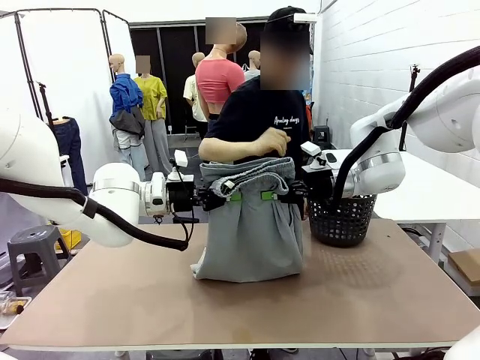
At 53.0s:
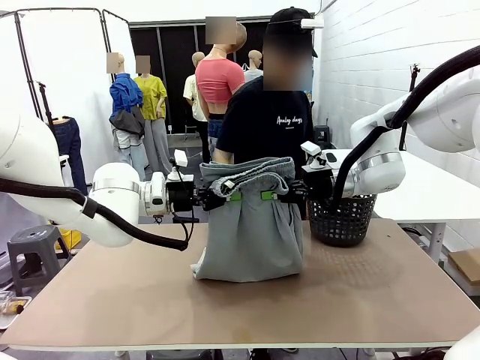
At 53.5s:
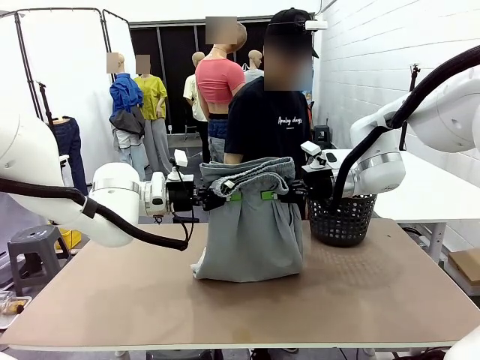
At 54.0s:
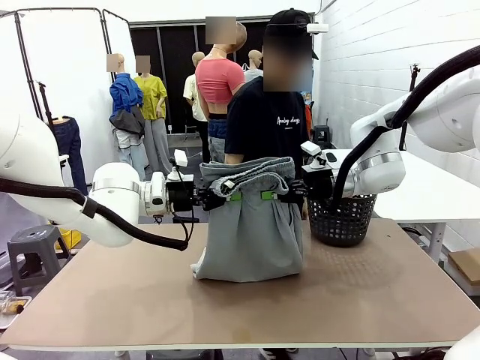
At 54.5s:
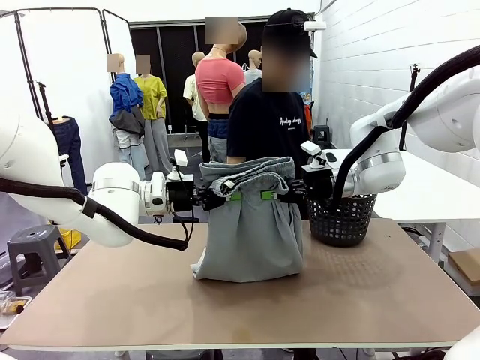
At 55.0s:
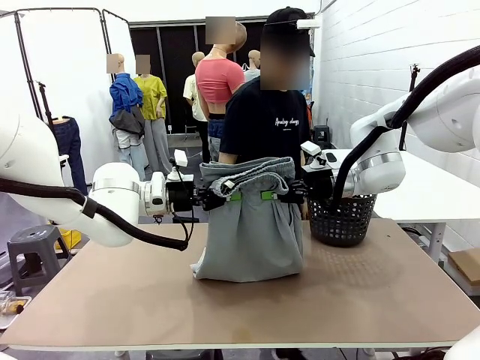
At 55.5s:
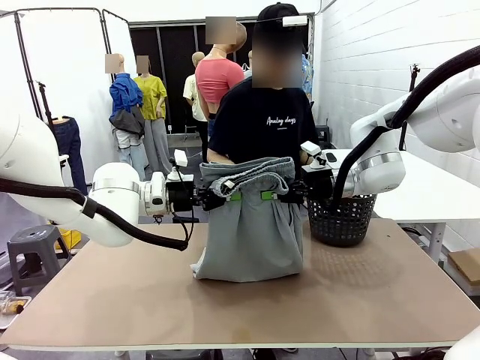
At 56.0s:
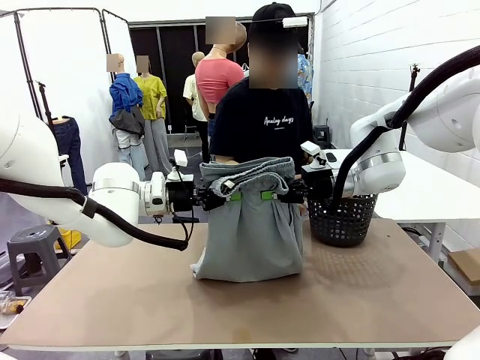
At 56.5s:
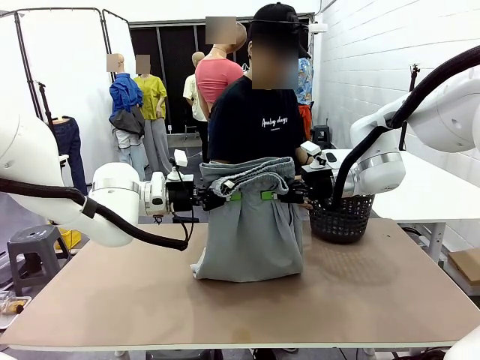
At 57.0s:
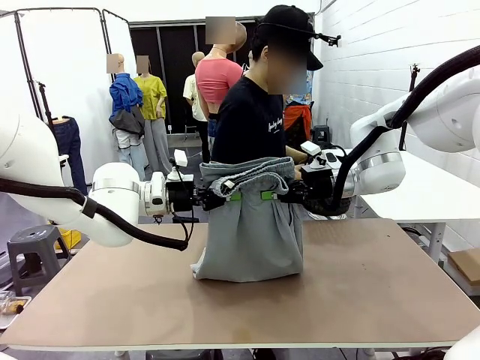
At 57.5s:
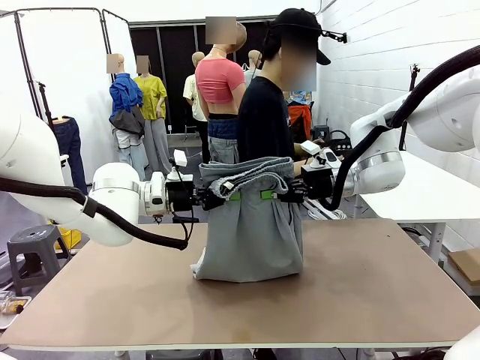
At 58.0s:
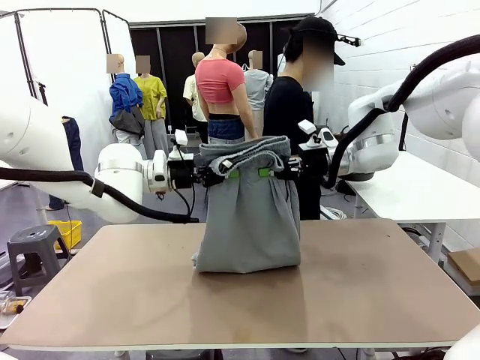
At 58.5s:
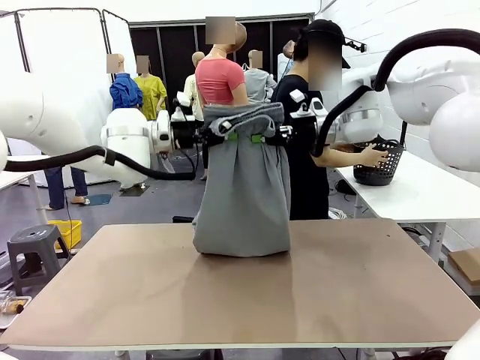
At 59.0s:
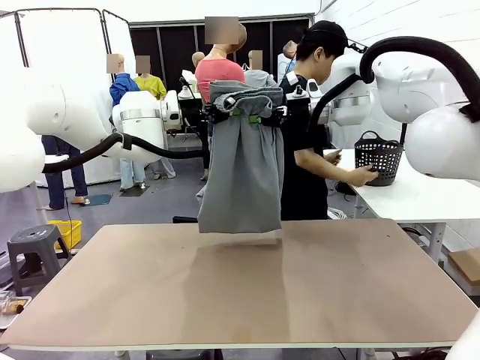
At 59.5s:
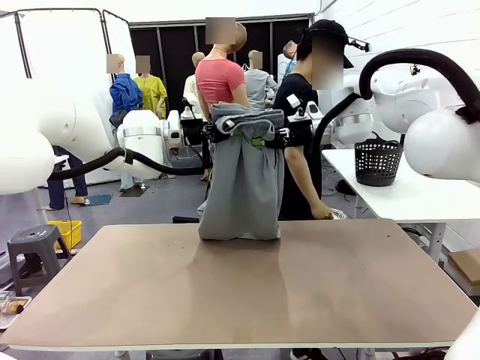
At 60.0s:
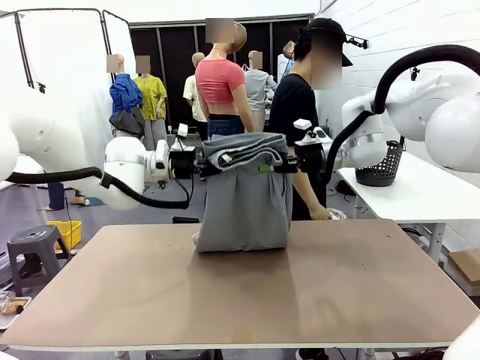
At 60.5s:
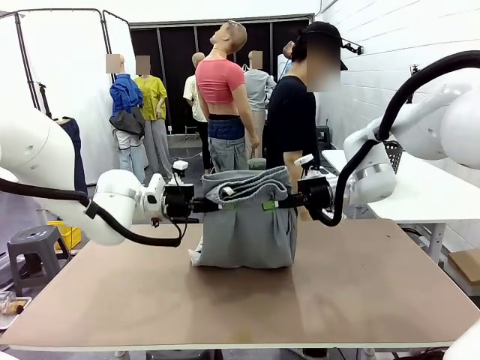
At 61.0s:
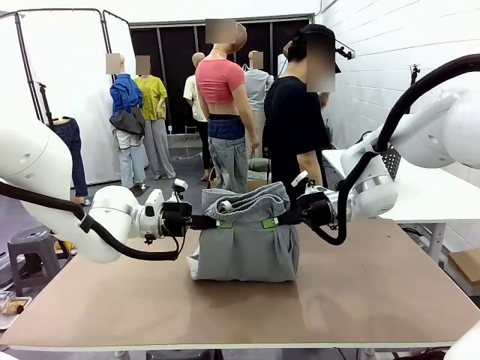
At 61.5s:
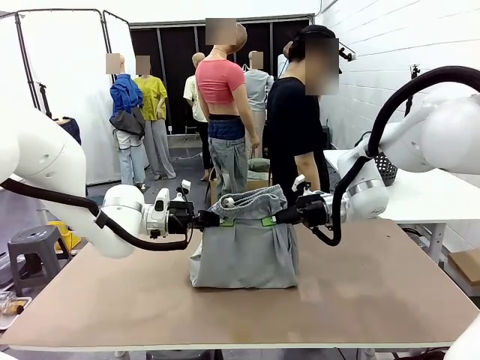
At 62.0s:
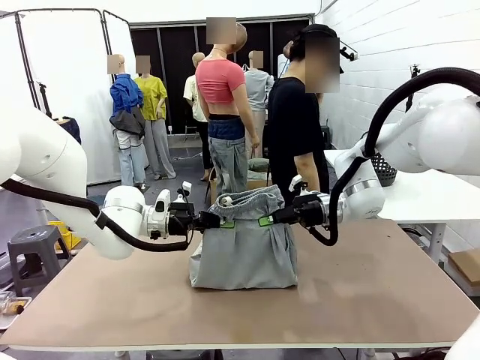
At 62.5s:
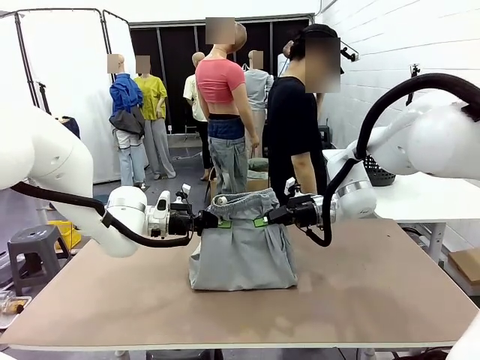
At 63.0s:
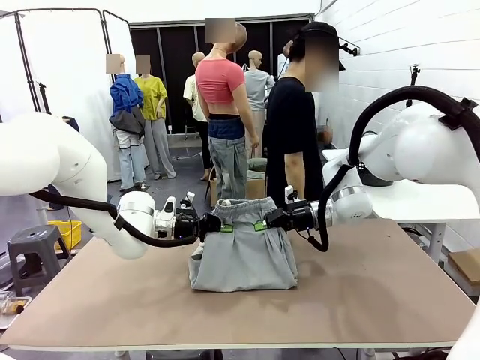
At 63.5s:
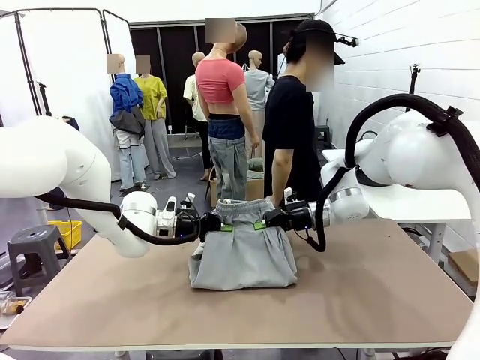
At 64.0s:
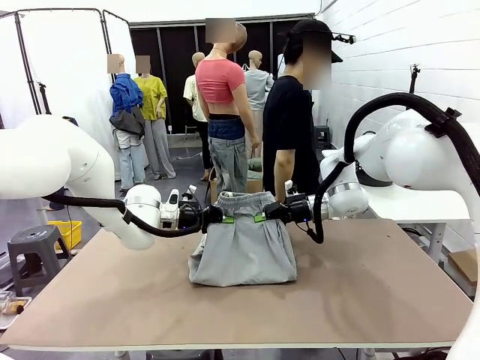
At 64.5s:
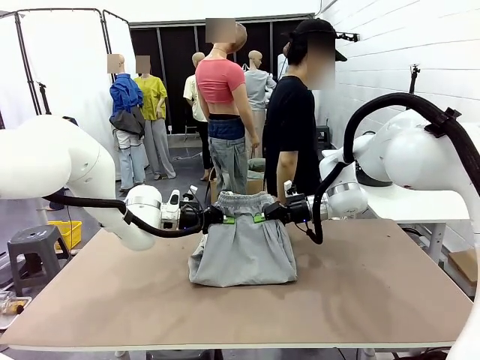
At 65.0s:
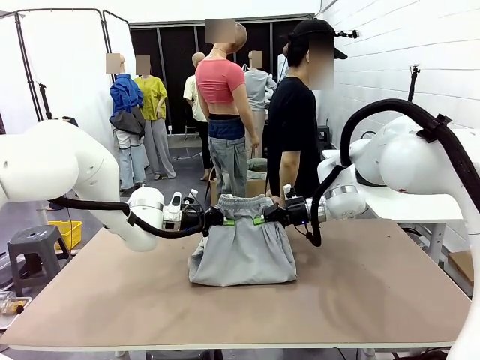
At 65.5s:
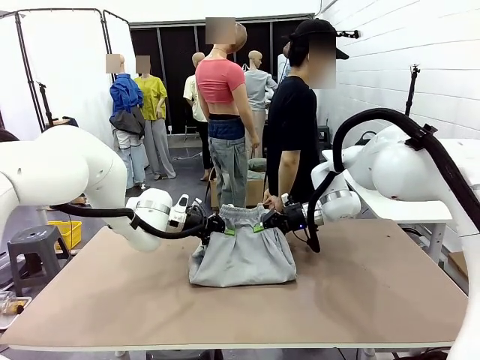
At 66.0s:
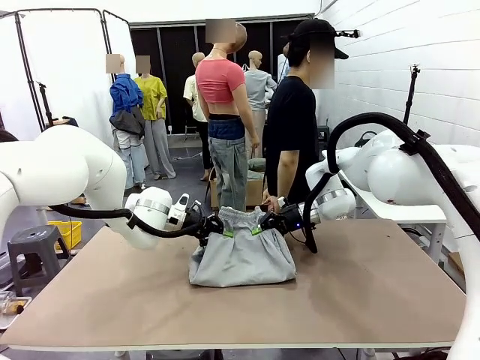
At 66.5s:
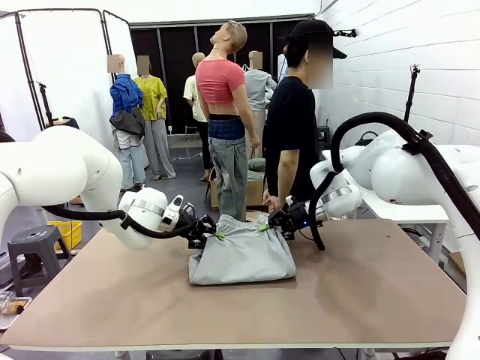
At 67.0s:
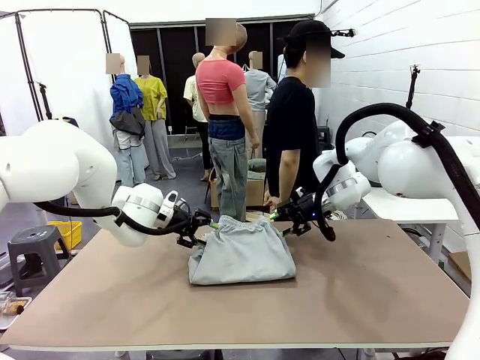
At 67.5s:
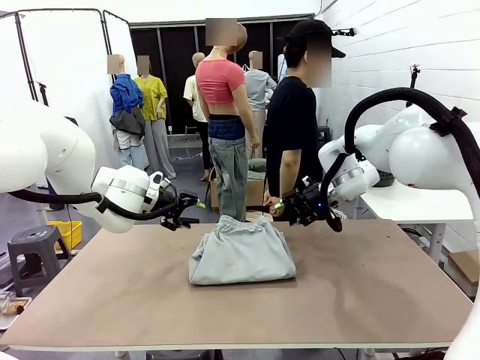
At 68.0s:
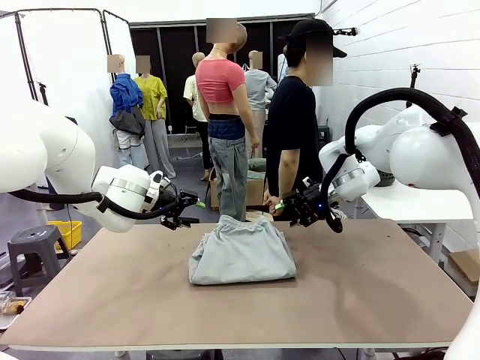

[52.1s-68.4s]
Task: Fold the training pants.
Robot: Fold the Training pants in half.
Person: Move the laundry basket to the right of the human table.

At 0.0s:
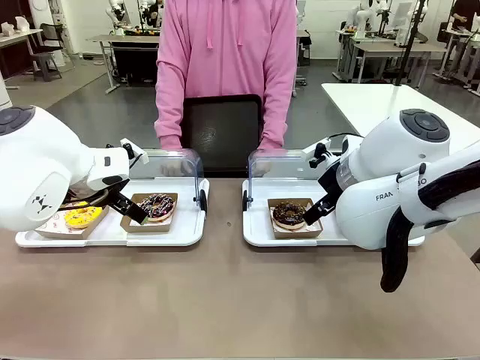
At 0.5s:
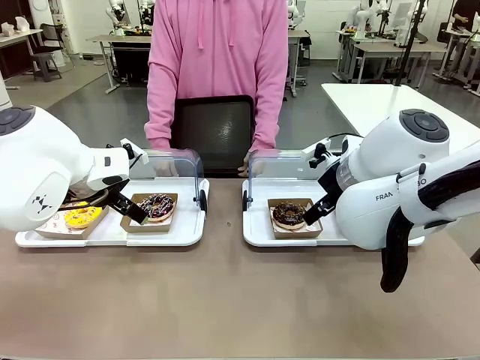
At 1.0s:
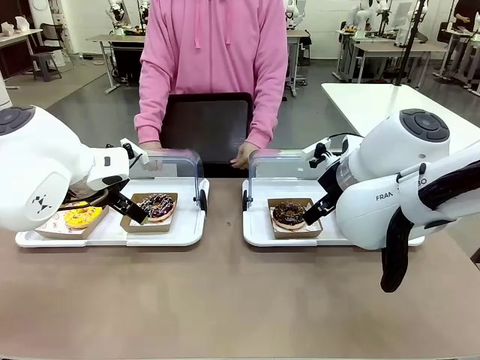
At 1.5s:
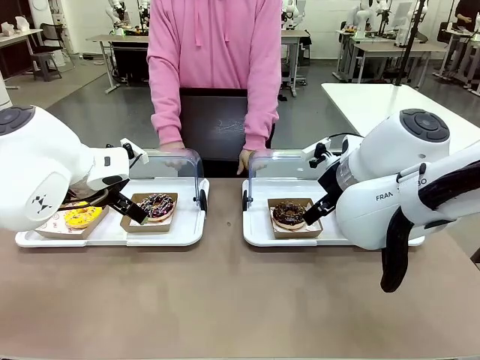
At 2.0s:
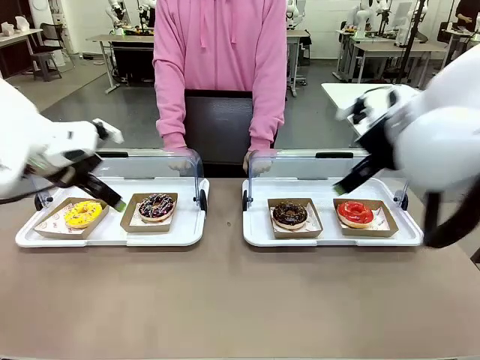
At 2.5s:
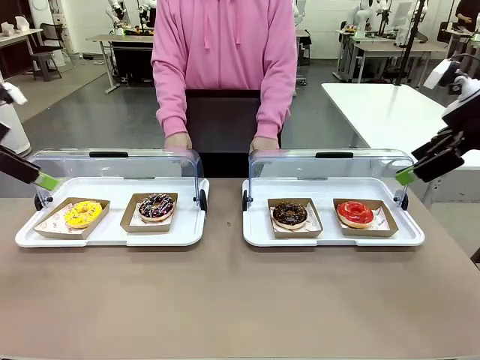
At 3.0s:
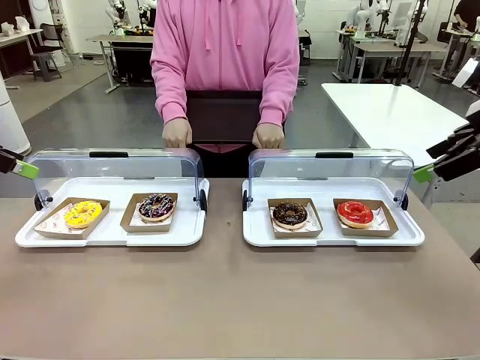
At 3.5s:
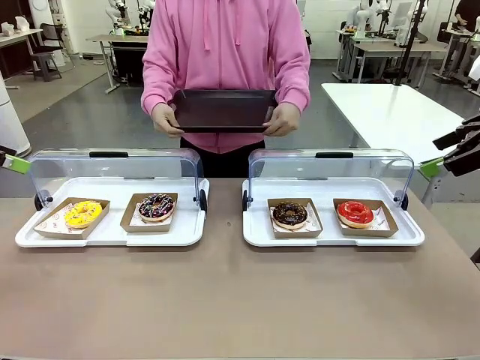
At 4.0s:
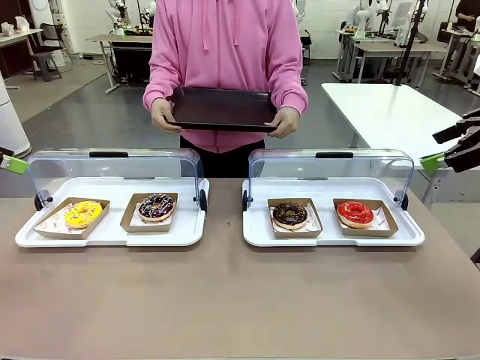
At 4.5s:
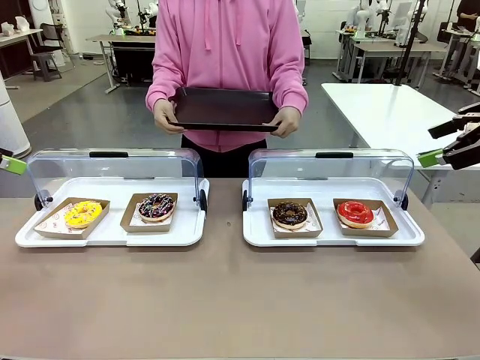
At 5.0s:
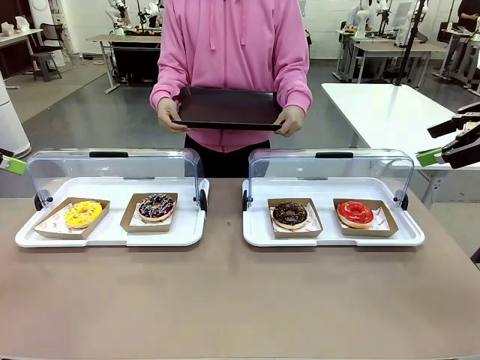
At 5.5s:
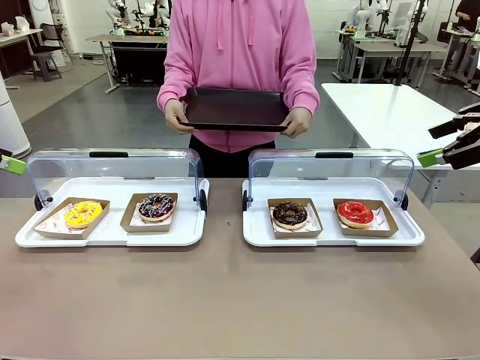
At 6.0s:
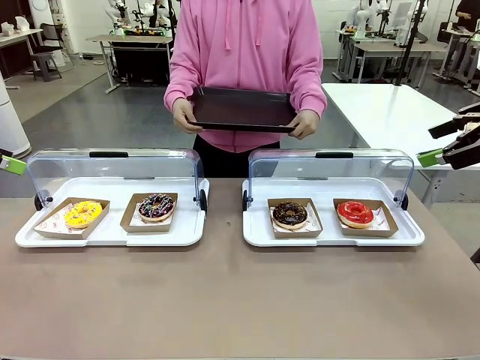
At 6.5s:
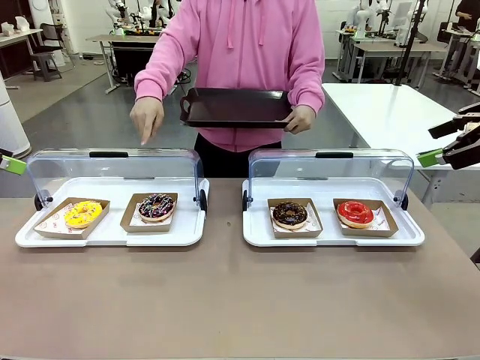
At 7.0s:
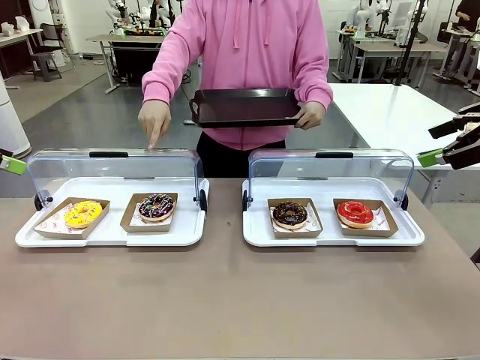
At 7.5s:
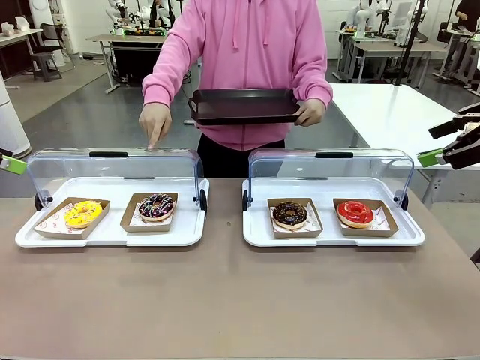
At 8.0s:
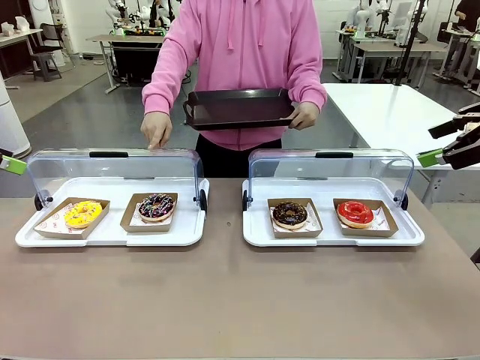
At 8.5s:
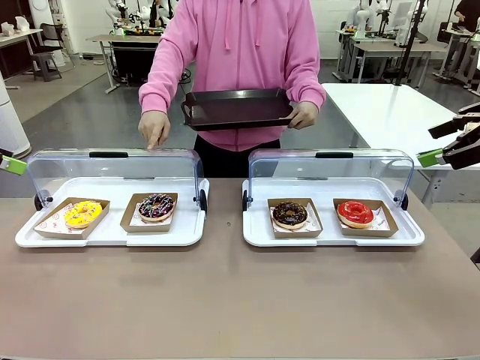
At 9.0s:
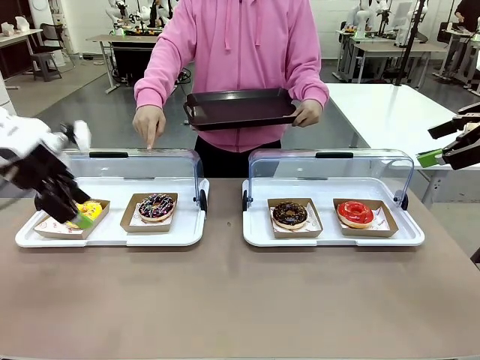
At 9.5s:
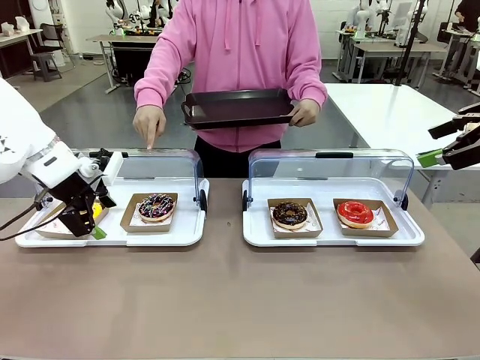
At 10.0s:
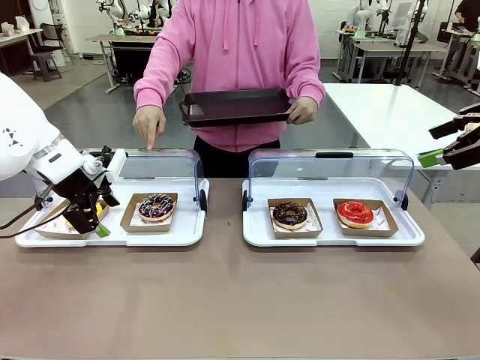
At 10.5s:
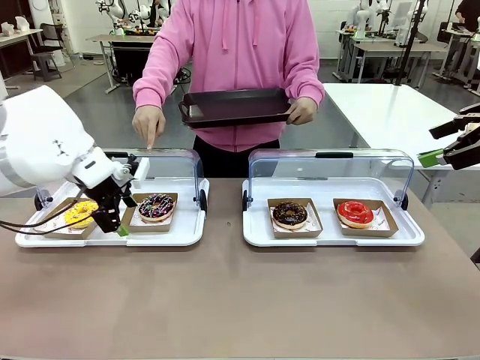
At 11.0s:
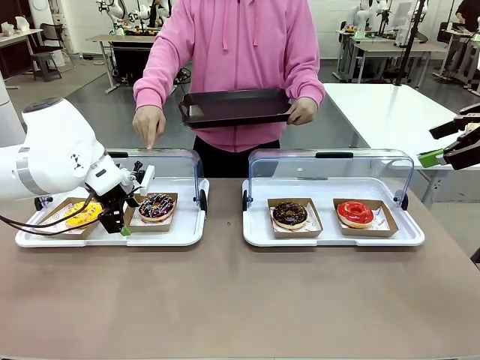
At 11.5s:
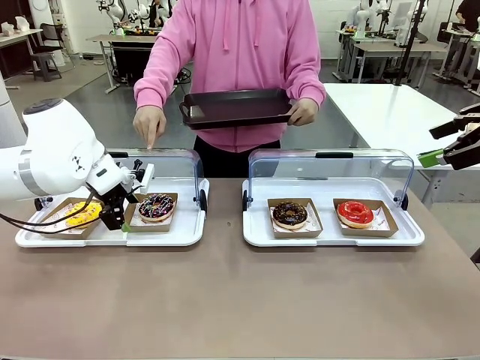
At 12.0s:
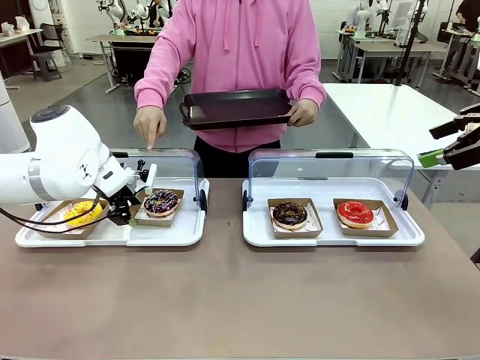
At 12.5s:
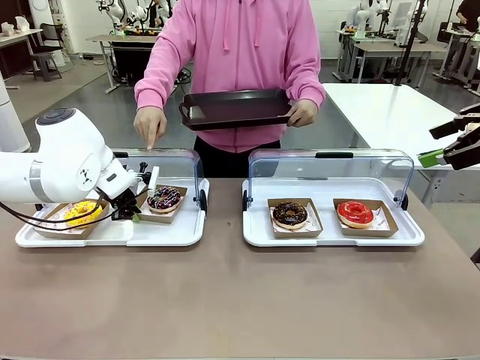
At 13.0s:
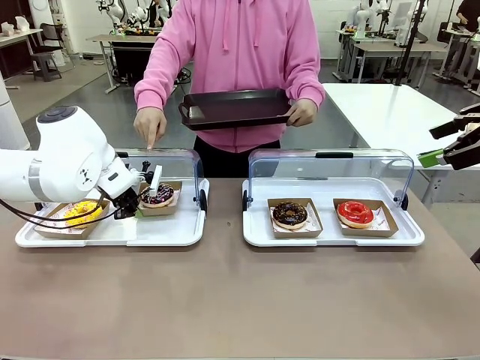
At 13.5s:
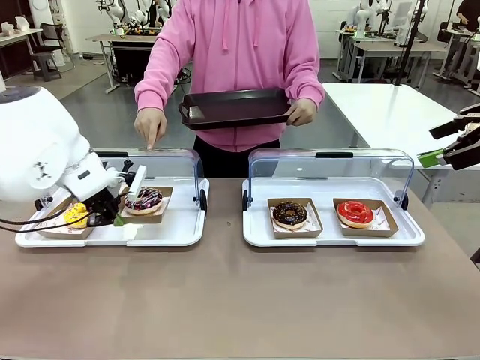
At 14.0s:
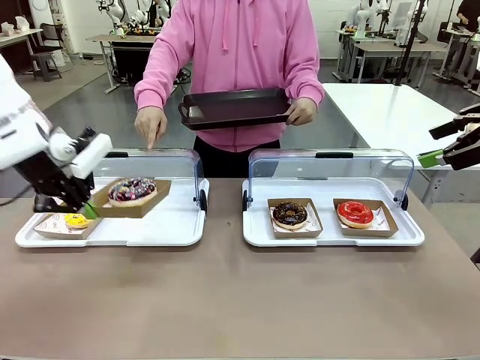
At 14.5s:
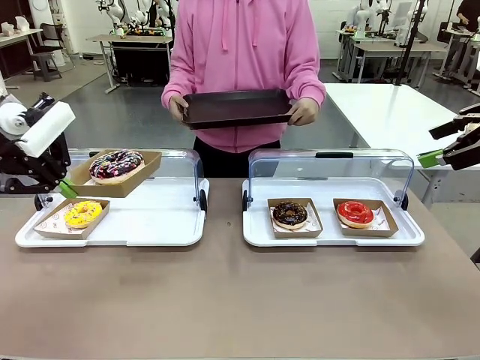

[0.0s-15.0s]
Task: Provide the desired donut to the person.
Robot: Pick up and lift the Paper togo box containing the Donut pointed at by the person.
Person: Point to one donut. Lift the tray onto the Roll-Top Bakery Case.
